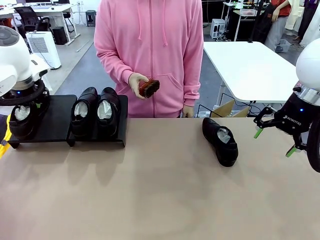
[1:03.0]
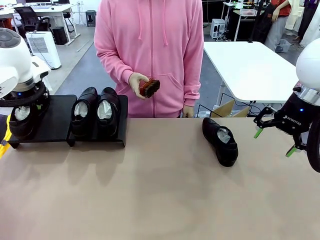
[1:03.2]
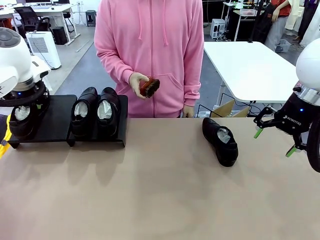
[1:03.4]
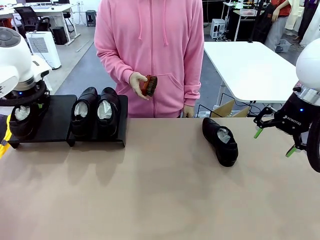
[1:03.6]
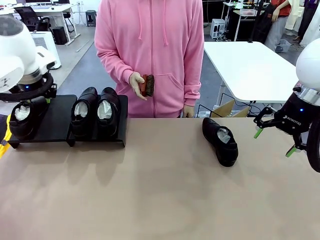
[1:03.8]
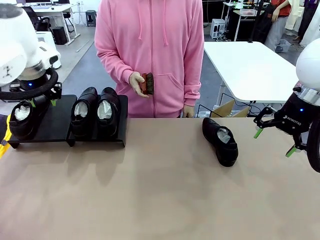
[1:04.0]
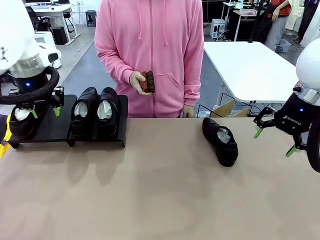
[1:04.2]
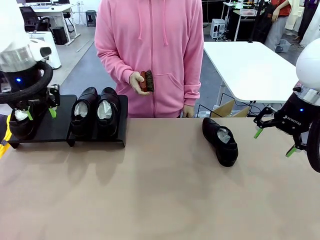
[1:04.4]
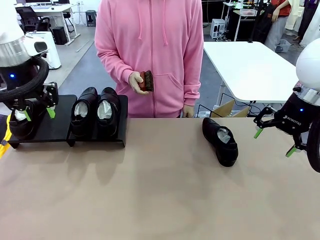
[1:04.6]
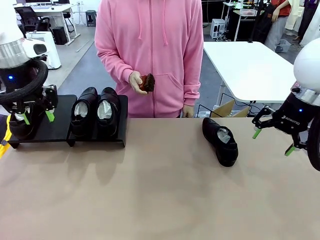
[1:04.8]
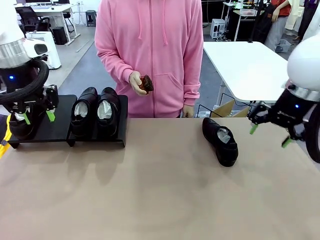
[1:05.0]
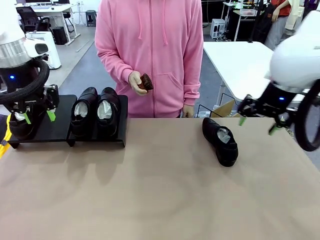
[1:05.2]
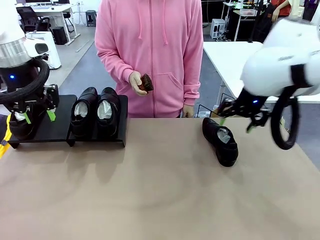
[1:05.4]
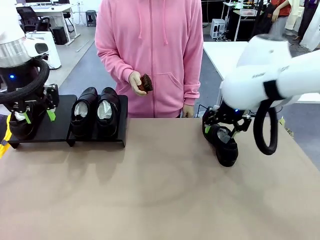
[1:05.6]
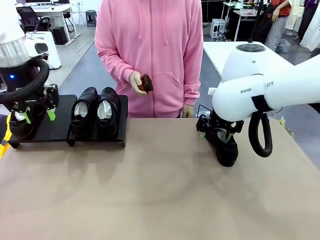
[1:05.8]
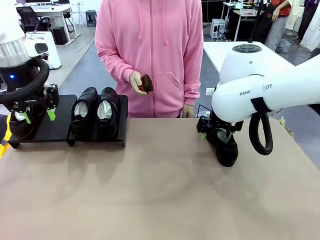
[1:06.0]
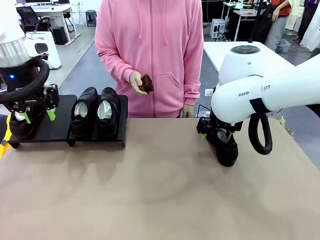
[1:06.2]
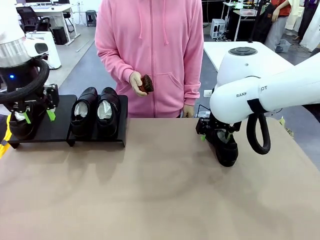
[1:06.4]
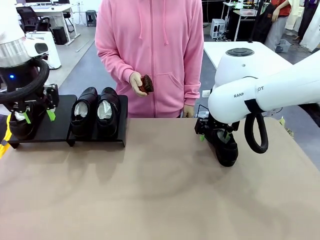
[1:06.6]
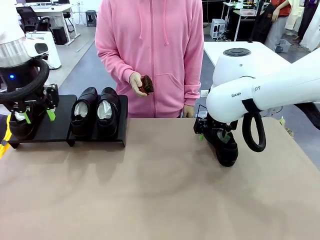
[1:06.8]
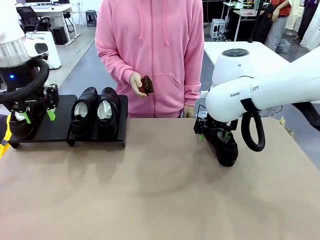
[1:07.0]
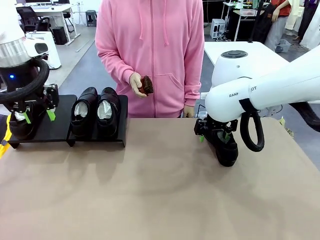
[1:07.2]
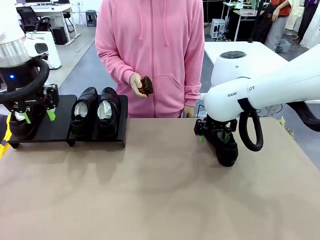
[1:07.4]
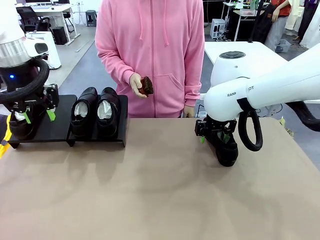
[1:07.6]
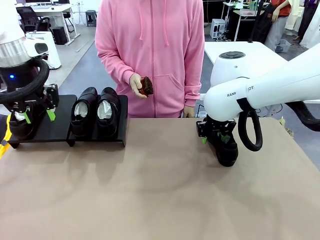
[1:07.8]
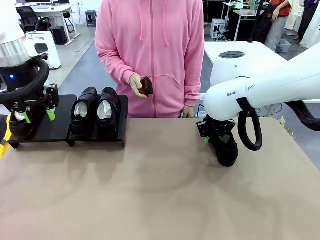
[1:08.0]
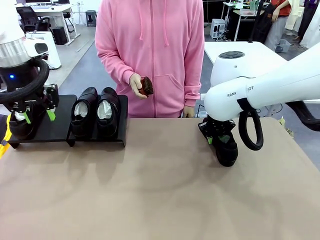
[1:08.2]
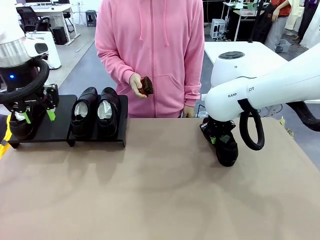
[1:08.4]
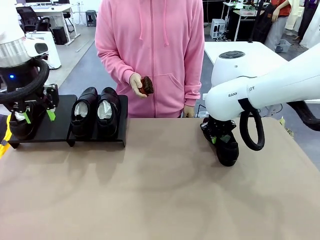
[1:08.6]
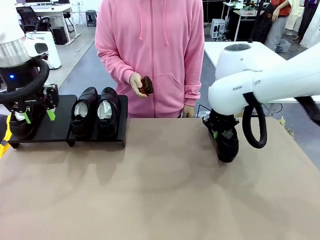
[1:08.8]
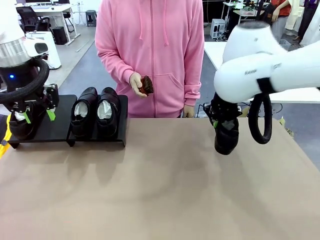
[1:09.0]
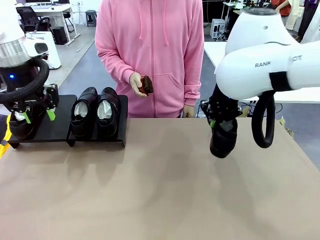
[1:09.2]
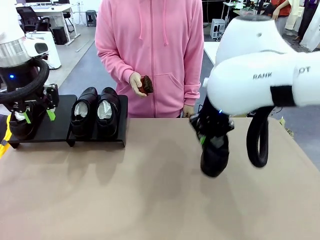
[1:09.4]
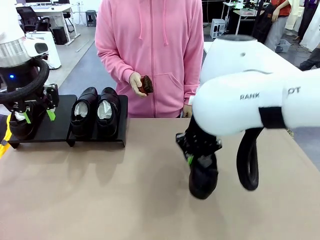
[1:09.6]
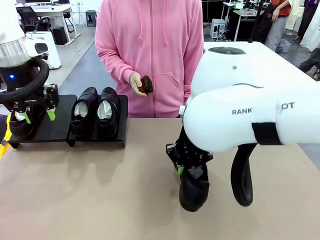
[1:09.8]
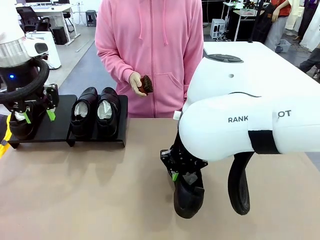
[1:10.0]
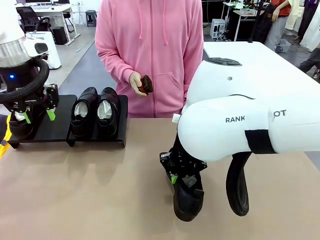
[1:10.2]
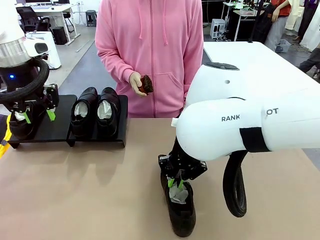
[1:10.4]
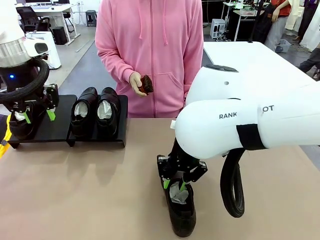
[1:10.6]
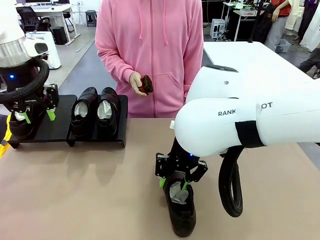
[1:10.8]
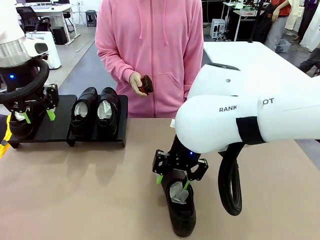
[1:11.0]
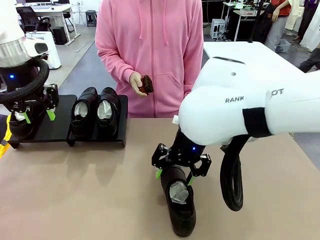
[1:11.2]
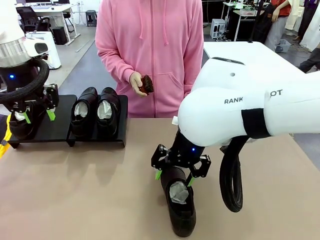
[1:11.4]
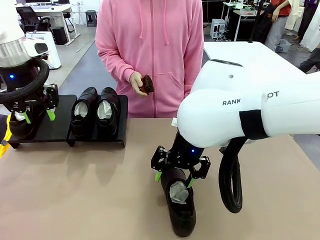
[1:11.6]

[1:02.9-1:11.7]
Task: Organize the shoes by placing them on the stand.
Robot: Pick up one Shoe and place it in the middle of the table.

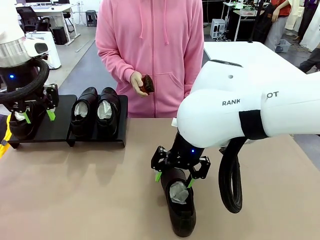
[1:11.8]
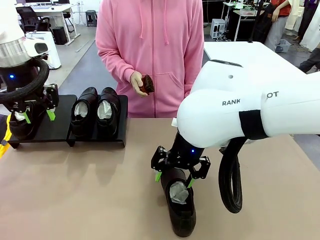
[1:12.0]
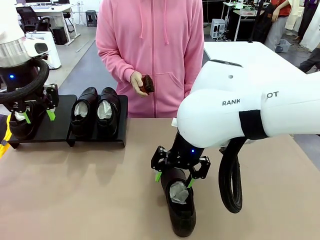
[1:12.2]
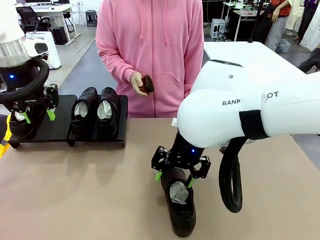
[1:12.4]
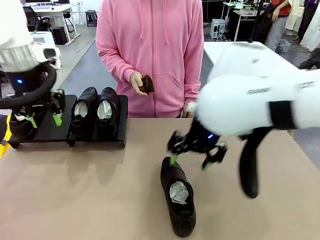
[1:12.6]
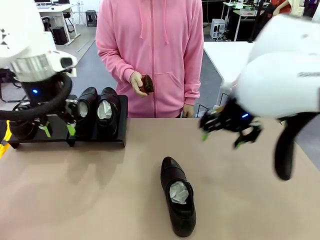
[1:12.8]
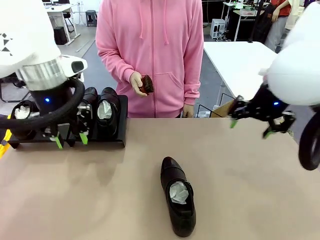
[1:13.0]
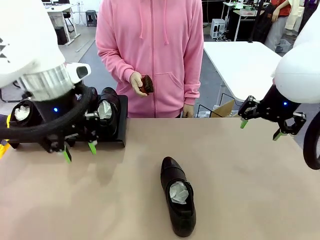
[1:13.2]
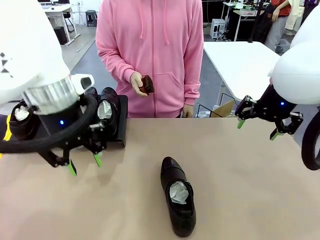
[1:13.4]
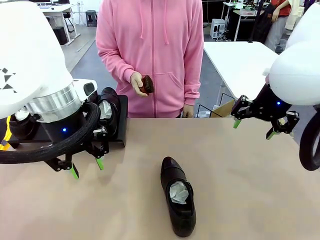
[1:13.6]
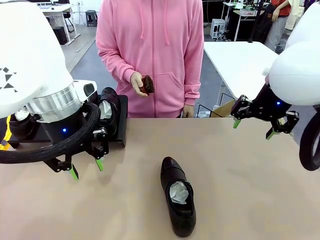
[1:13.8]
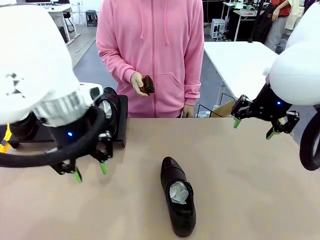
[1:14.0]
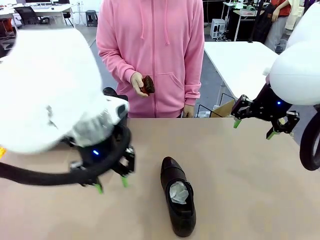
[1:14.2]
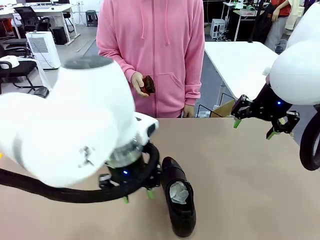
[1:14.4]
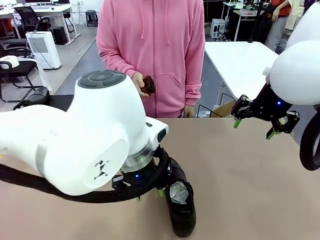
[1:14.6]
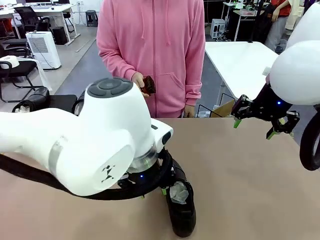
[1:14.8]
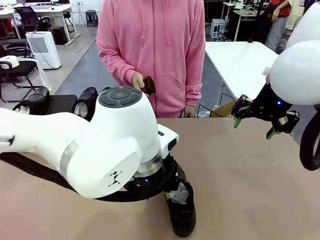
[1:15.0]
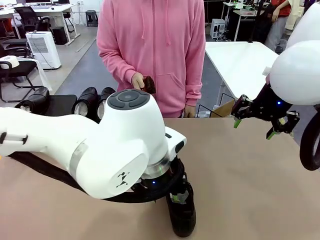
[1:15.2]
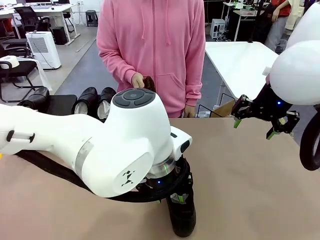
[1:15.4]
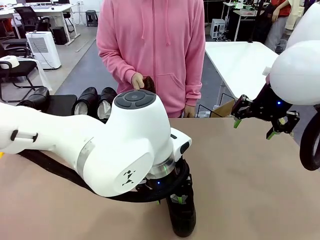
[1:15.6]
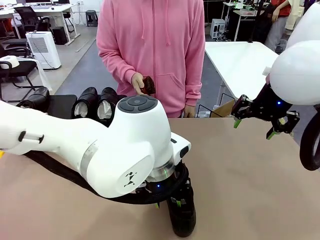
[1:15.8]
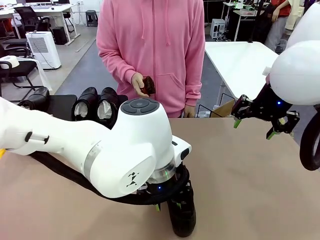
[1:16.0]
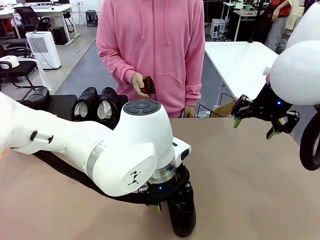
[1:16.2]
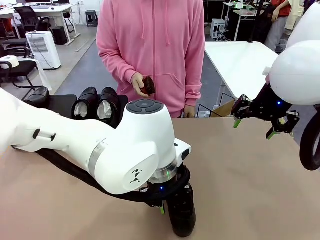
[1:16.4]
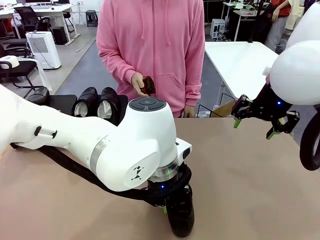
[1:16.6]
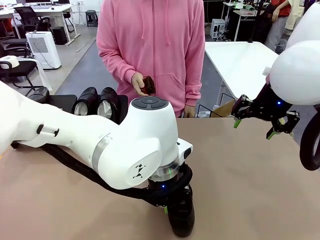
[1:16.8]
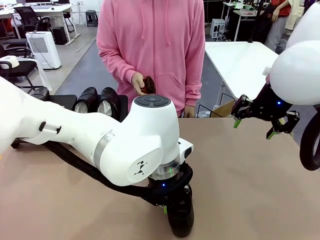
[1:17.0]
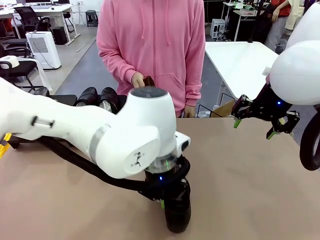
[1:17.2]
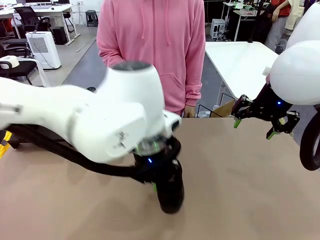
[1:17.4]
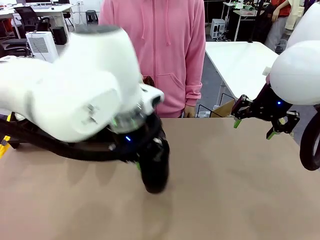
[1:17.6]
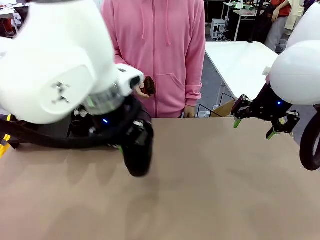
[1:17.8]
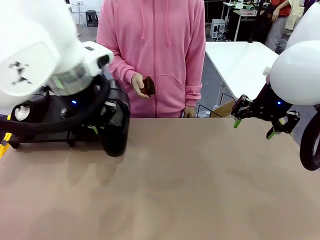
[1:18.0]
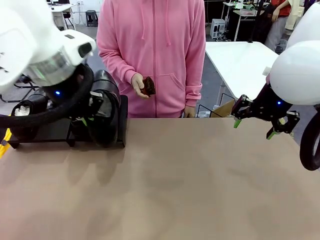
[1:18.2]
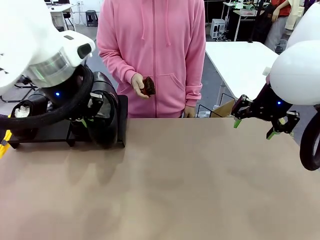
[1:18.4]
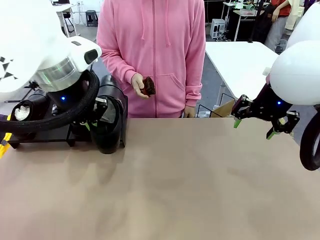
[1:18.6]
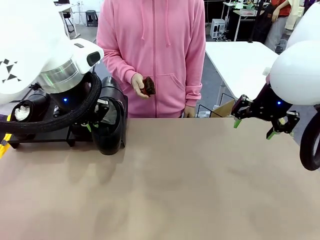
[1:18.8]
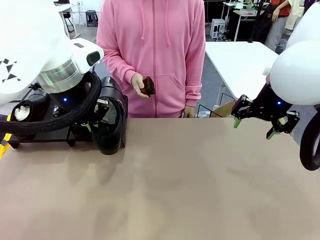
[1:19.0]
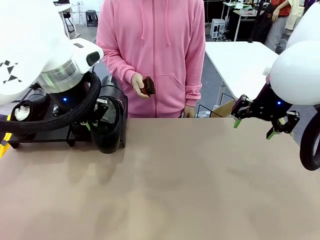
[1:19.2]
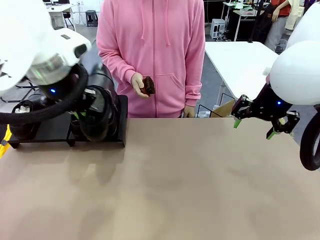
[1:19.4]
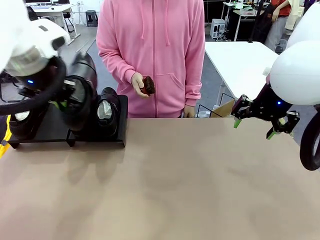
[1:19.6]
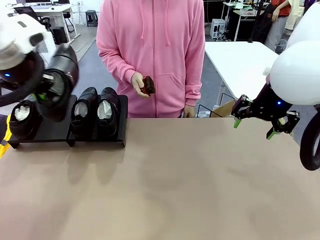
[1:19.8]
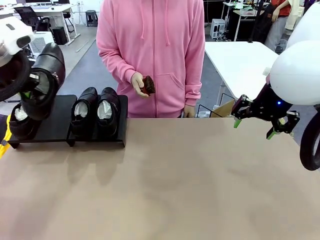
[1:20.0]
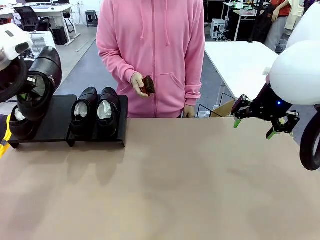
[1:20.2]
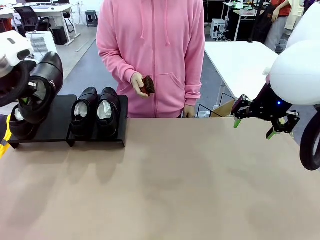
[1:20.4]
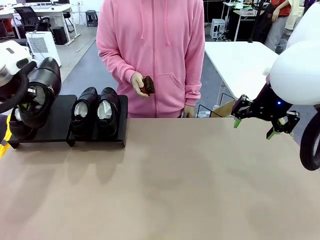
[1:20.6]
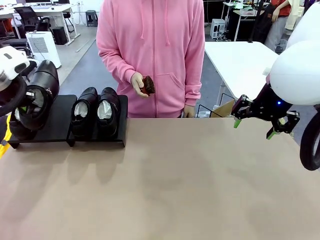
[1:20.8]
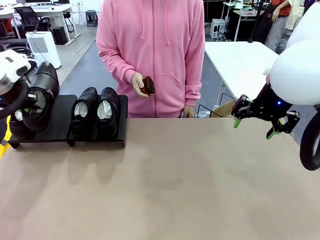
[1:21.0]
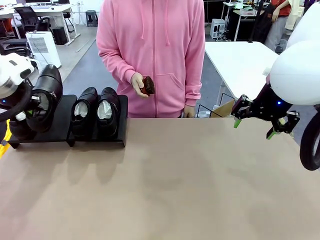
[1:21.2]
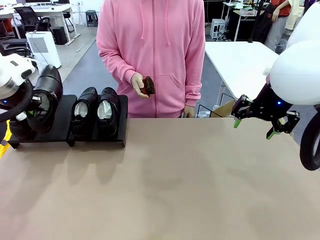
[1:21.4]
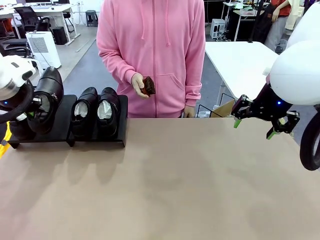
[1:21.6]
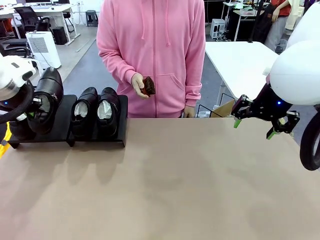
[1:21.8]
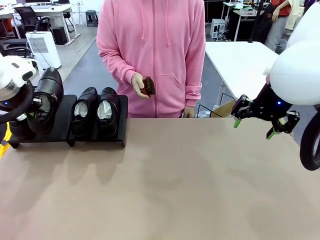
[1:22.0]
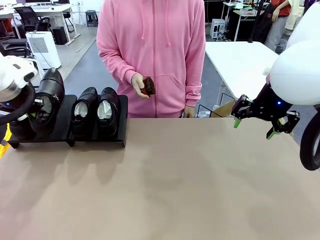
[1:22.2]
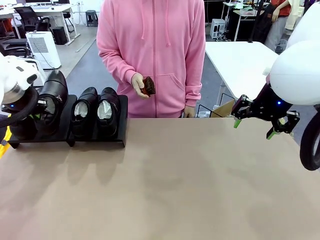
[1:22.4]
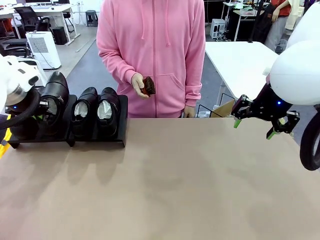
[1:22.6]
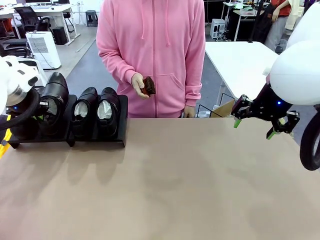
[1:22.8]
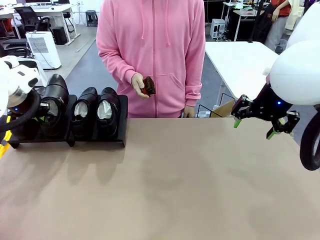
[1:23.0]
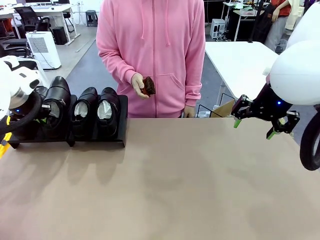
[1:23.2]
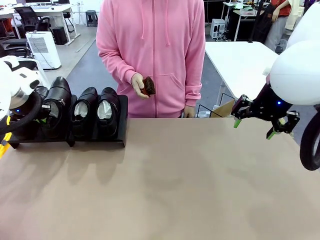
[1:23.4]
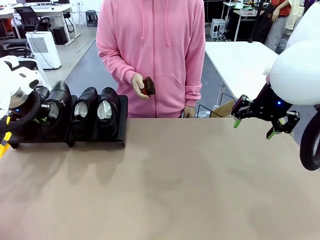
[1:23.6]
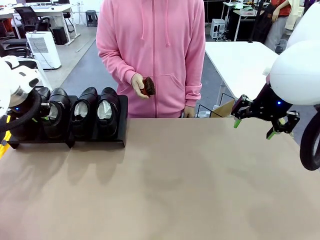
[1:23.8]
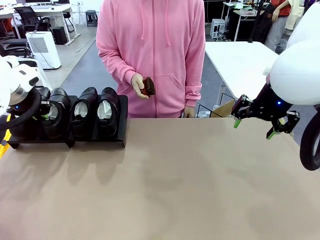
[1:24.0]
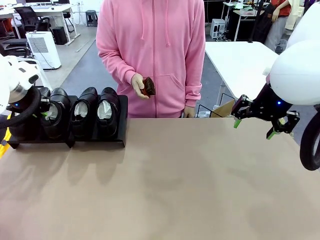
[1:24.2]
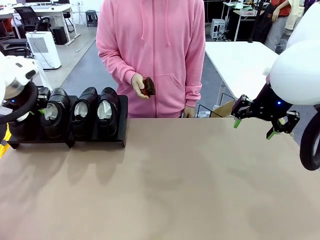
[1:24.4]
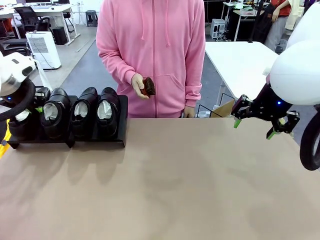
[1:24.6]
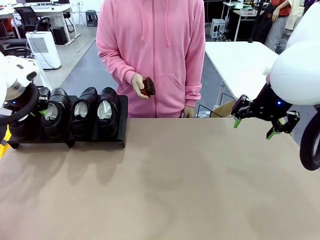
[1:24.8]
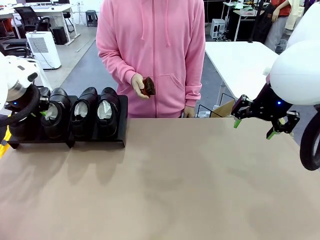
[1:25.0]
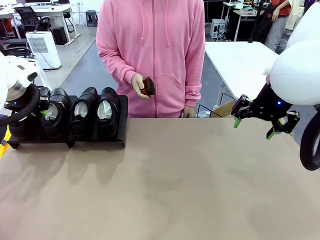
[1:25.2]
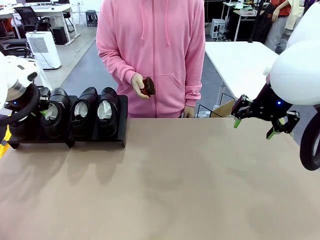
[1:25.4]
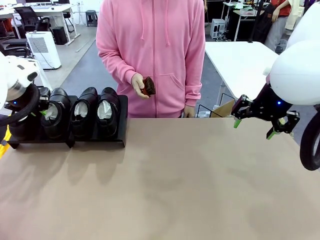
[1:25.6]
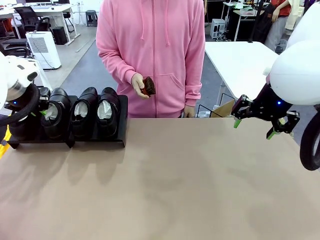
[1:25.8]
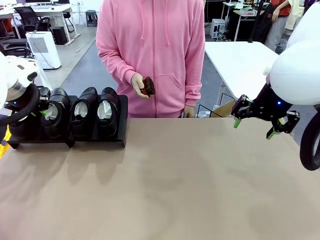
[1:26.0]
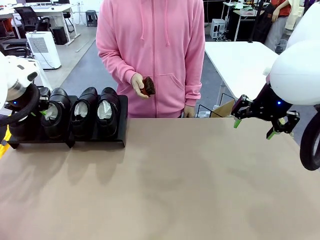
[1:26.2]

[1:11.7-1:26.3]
Robot: Place the Shoe from the middle of the table onto the Shoes Stand.
